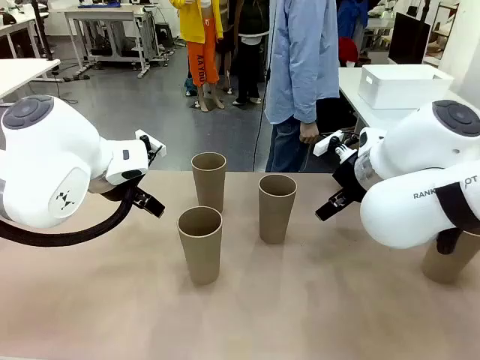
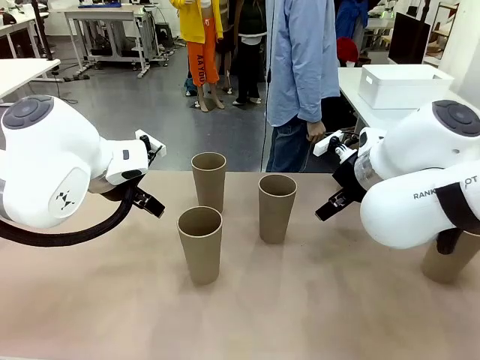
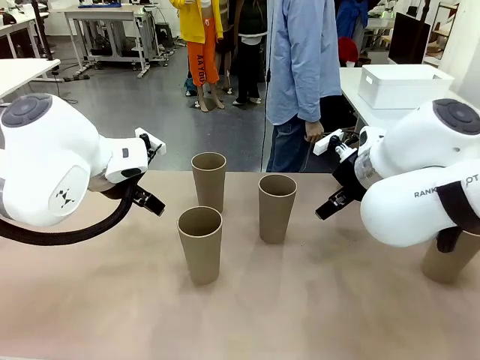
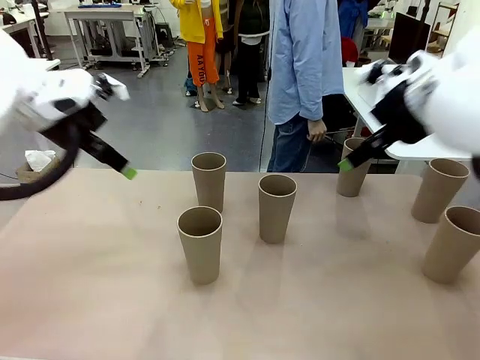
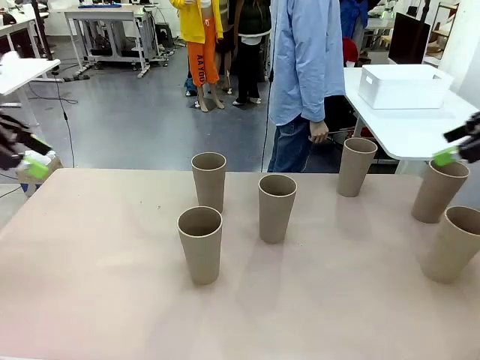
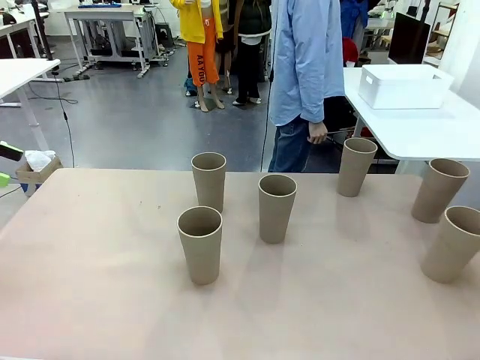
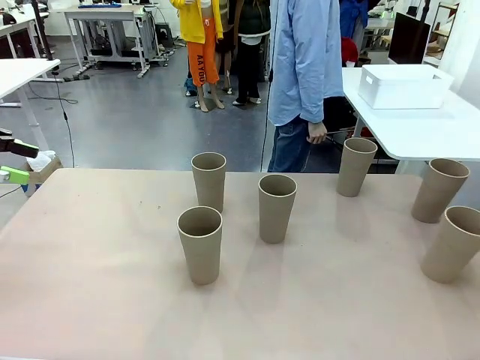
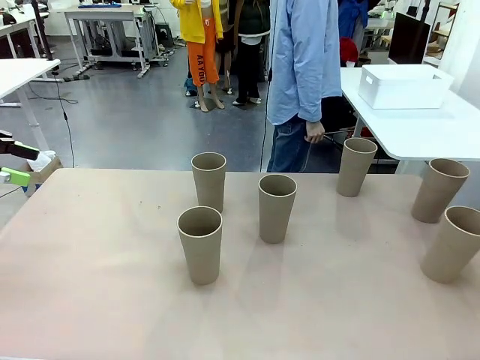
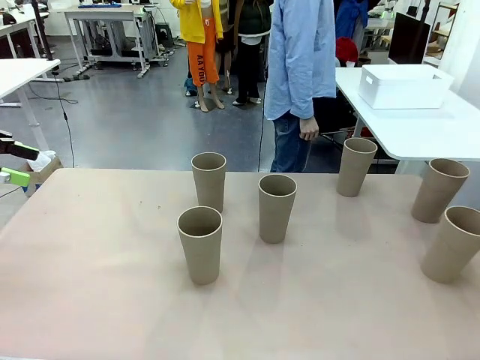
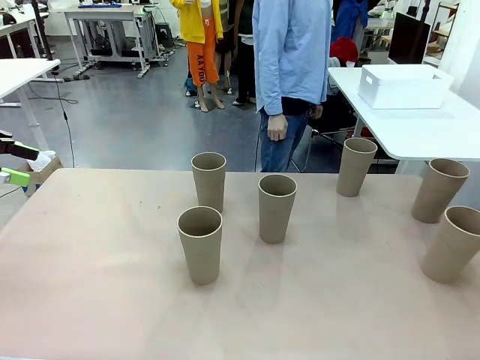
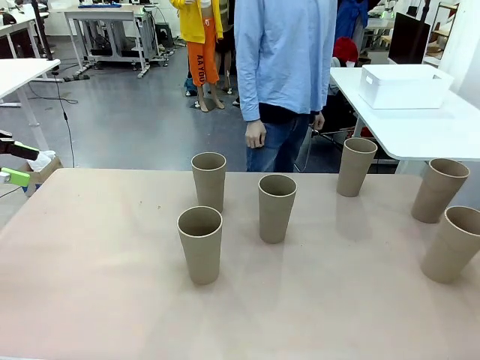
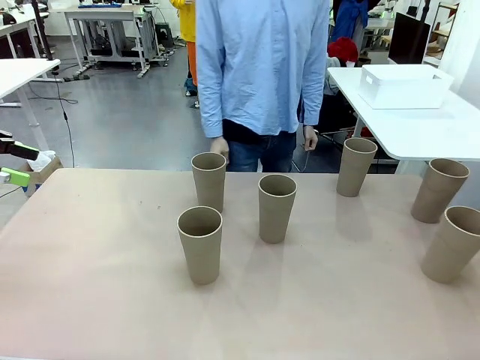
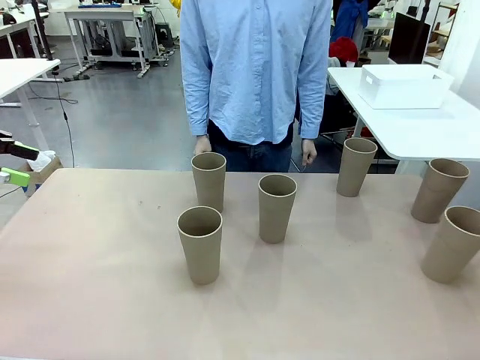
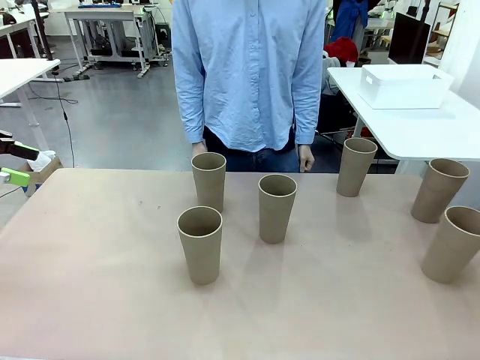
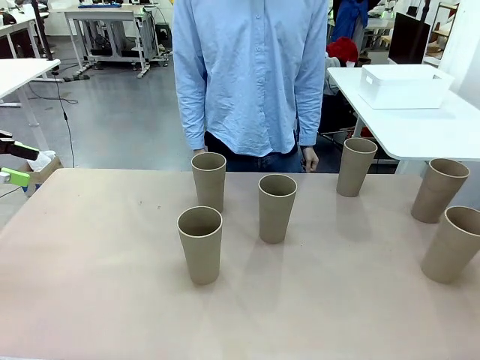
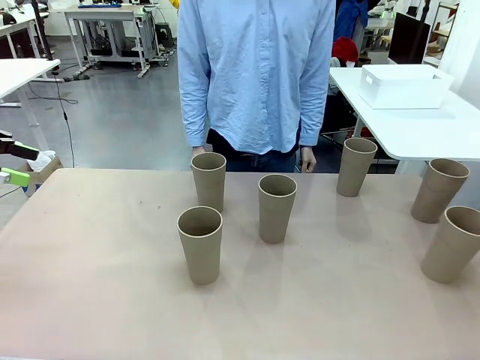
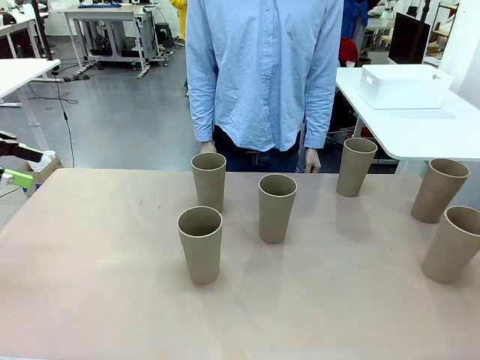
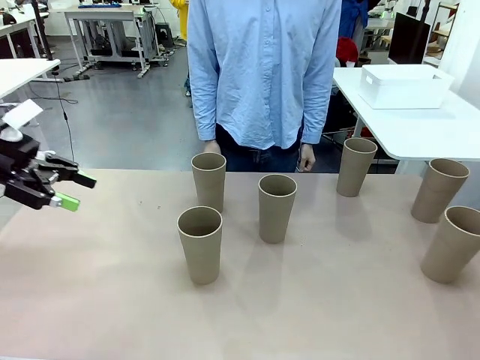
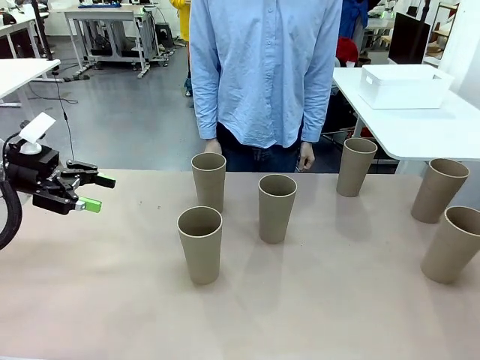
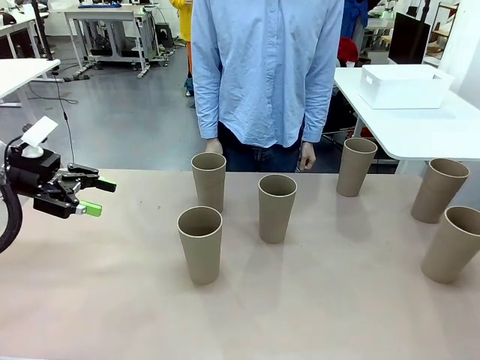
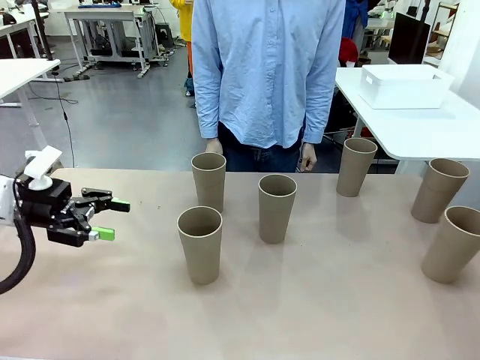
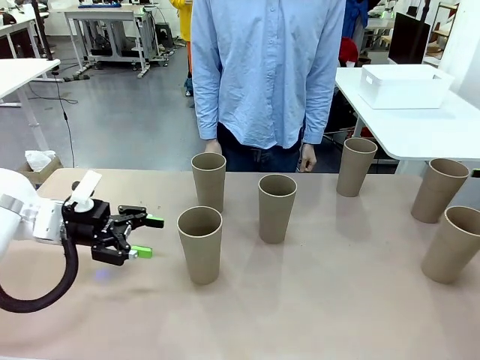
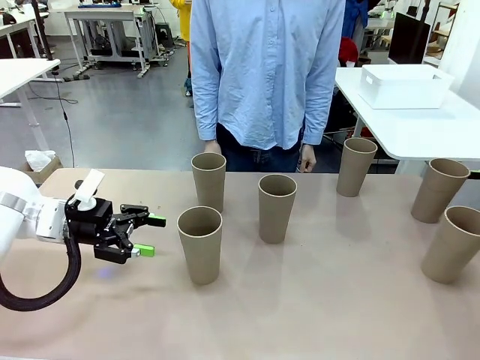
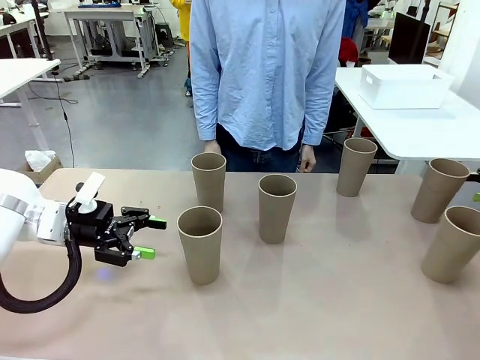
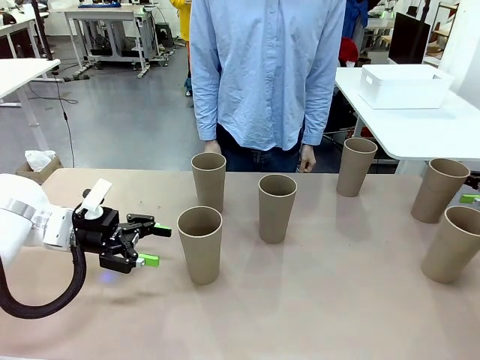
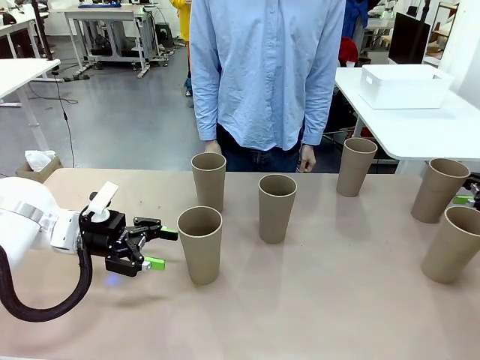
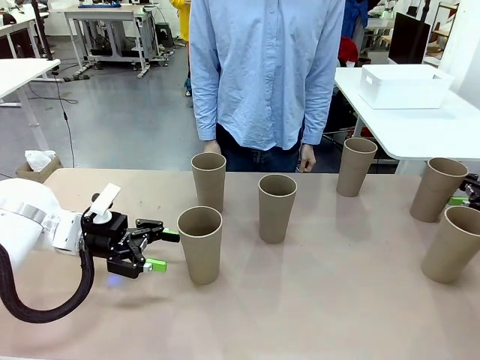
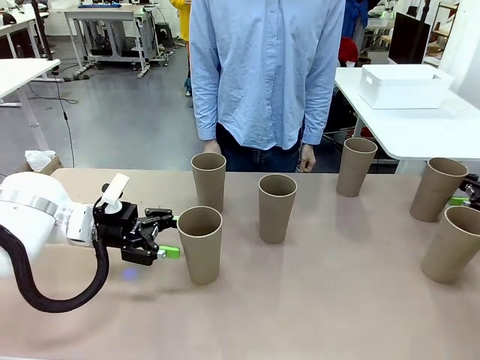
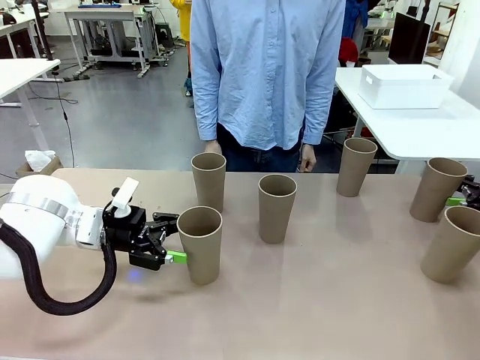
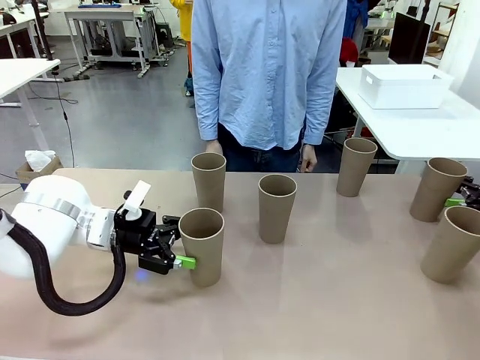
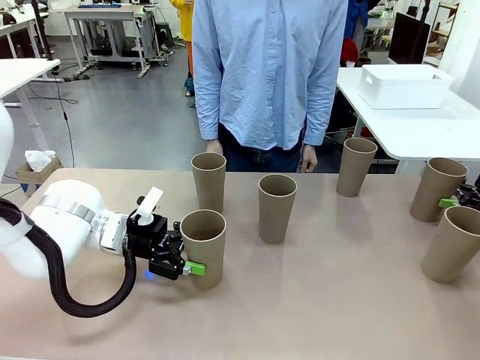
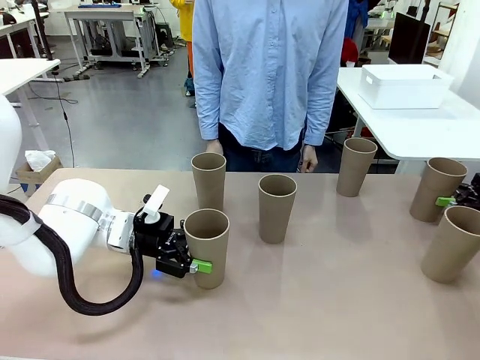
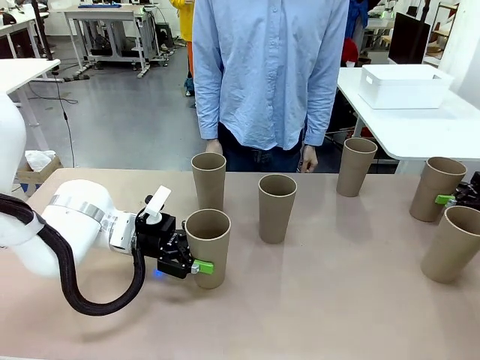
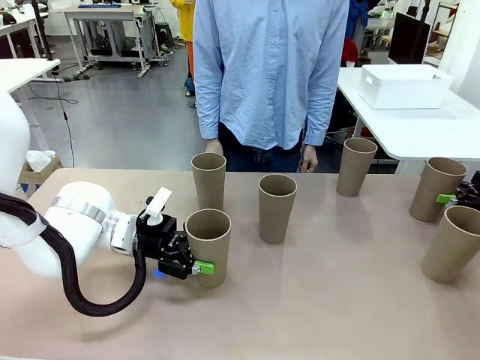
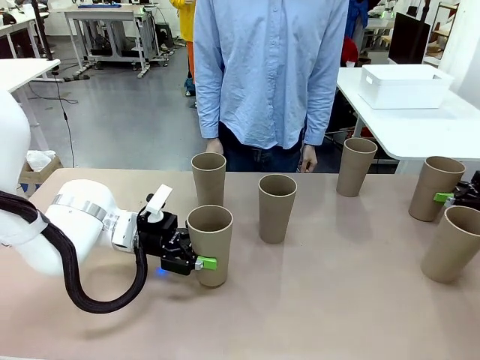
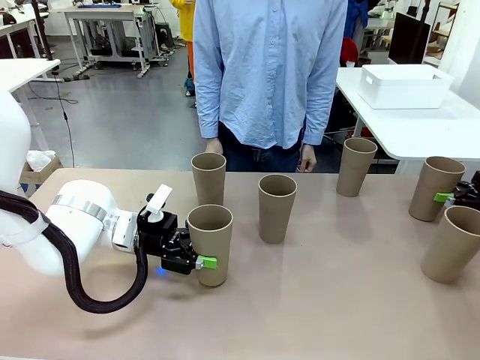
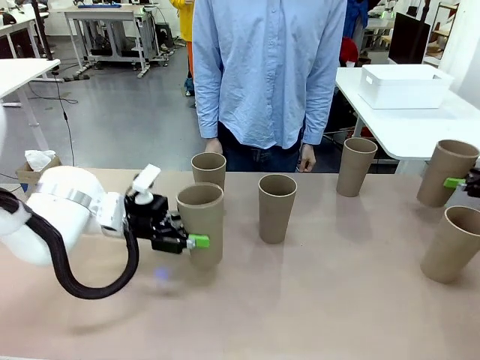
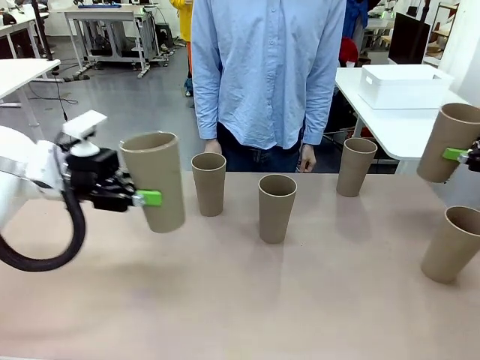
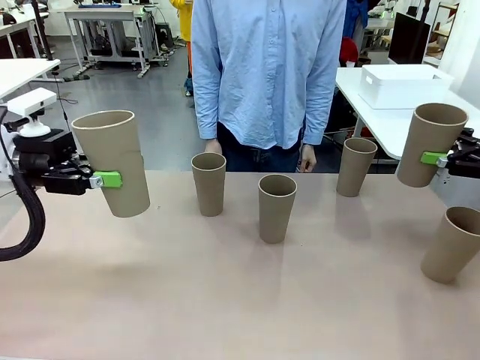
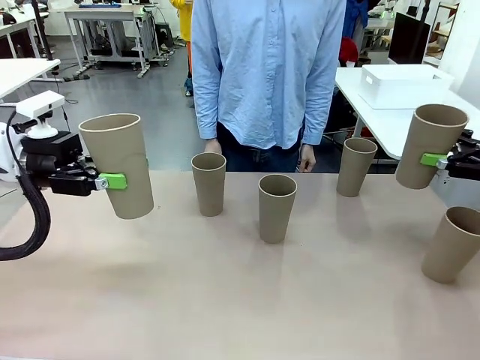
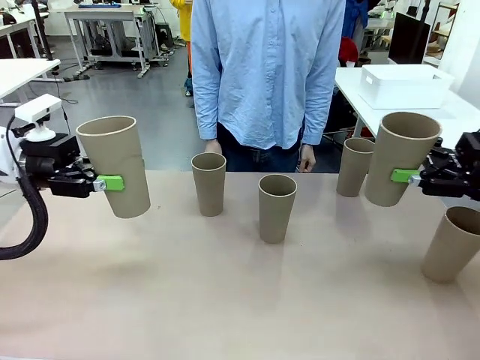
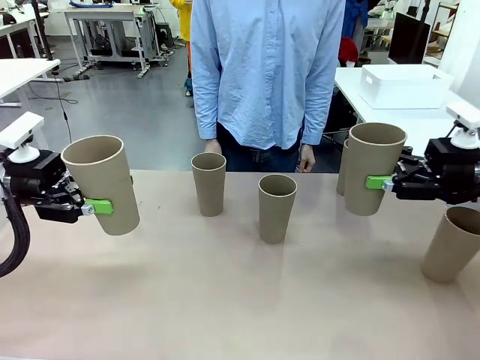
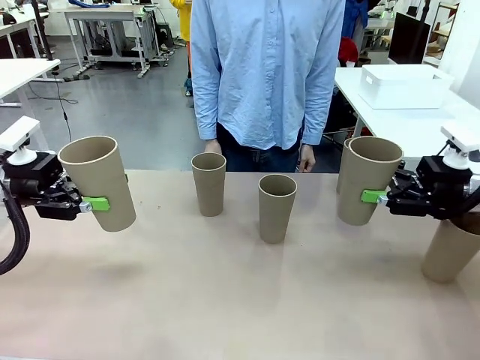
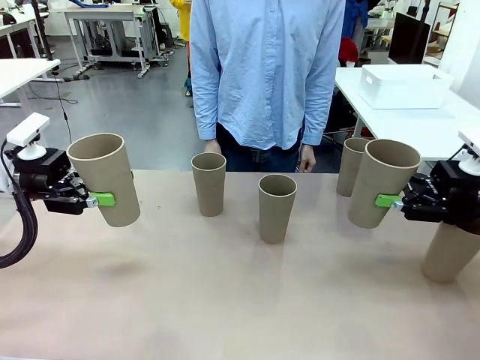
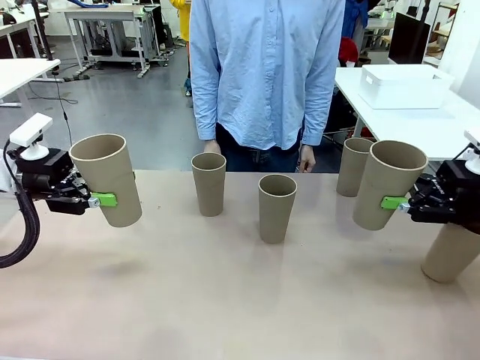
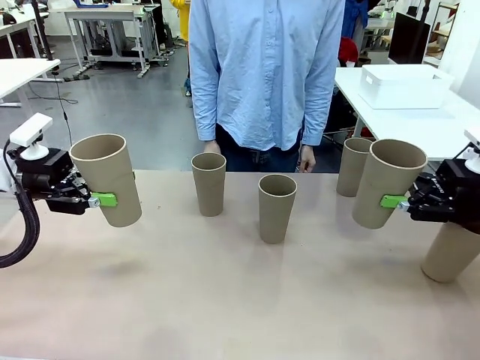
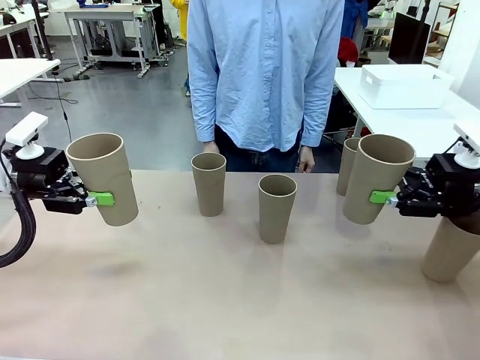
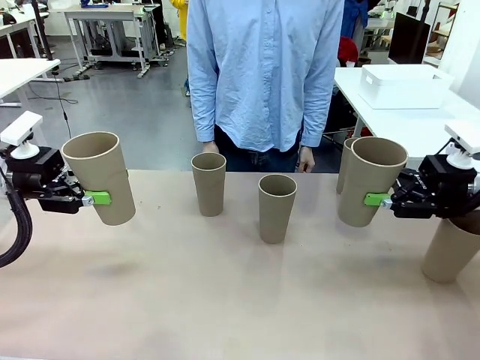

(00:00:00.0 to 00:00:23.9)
Task: Stack the cups and store them in the basket.
Robot: Pick up two Reusable plastic cups , one in each hand.
Person: Move from the Human Table to the front of the Robot Table. Stack two of the remaining cups on top of each cup held by the robot.
